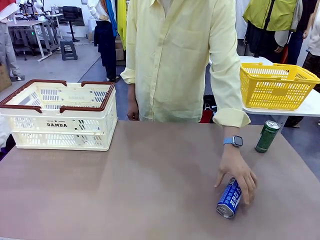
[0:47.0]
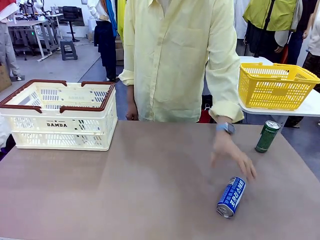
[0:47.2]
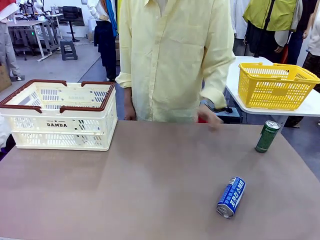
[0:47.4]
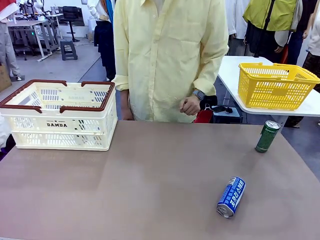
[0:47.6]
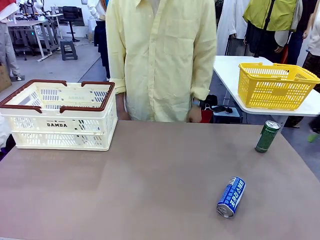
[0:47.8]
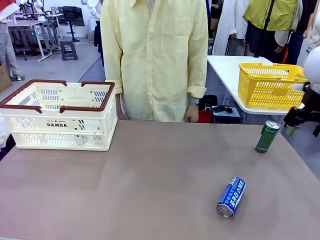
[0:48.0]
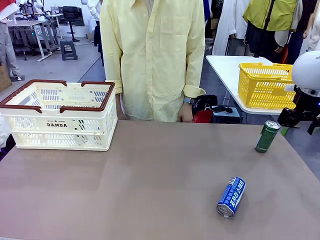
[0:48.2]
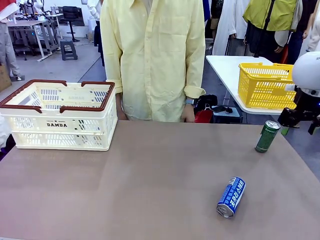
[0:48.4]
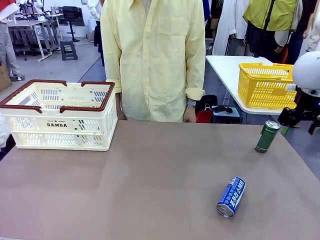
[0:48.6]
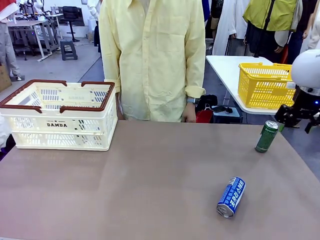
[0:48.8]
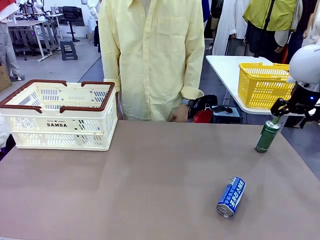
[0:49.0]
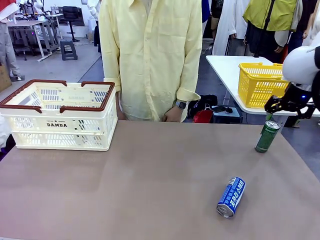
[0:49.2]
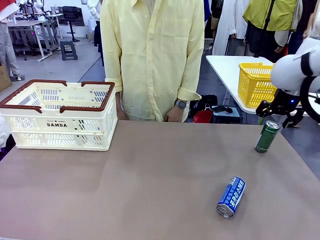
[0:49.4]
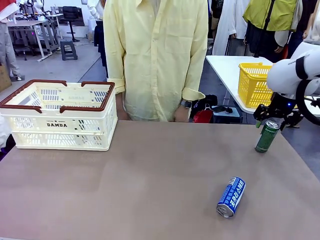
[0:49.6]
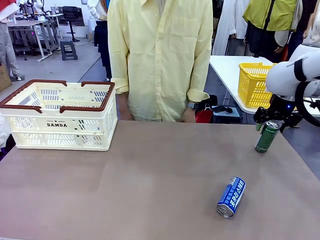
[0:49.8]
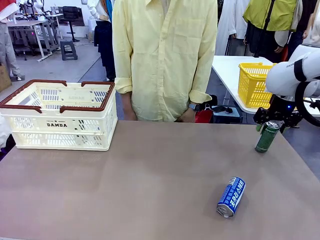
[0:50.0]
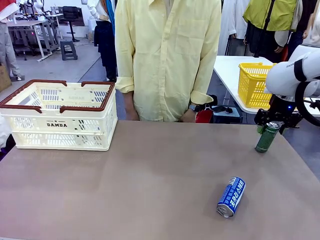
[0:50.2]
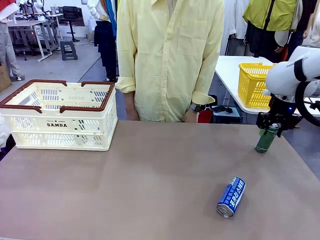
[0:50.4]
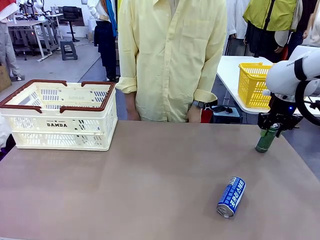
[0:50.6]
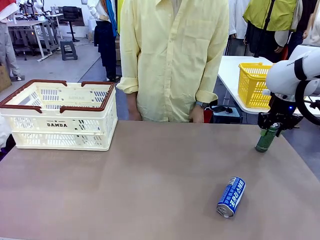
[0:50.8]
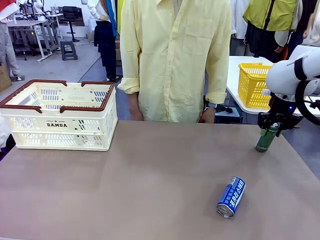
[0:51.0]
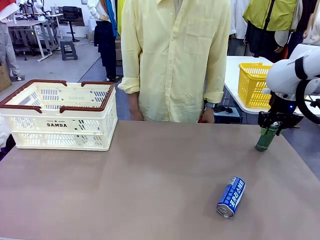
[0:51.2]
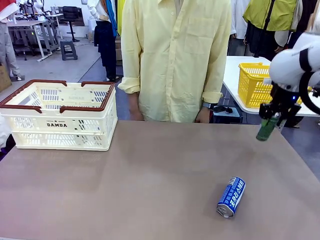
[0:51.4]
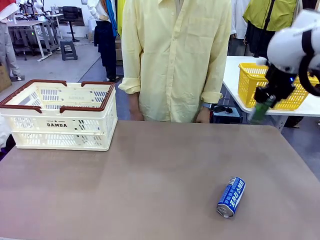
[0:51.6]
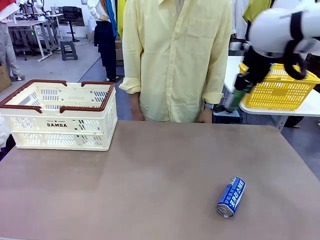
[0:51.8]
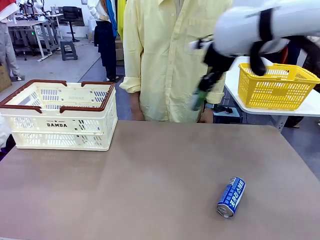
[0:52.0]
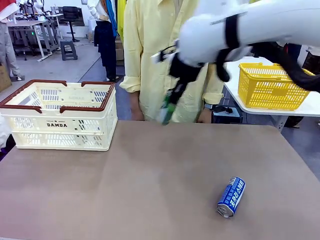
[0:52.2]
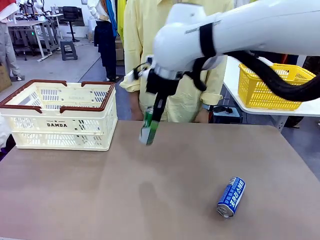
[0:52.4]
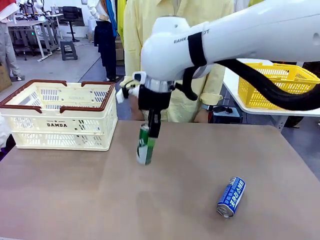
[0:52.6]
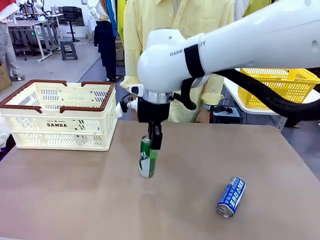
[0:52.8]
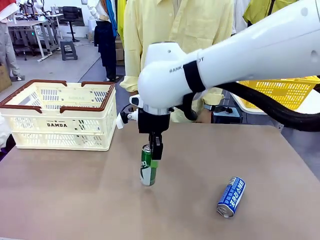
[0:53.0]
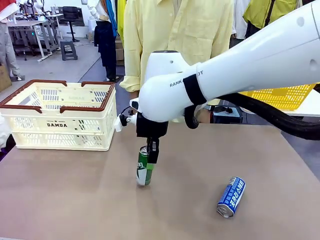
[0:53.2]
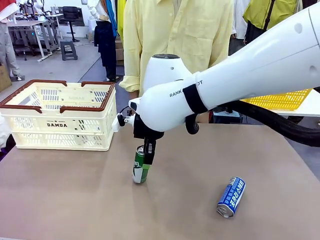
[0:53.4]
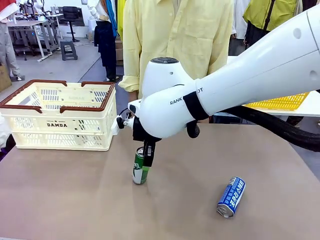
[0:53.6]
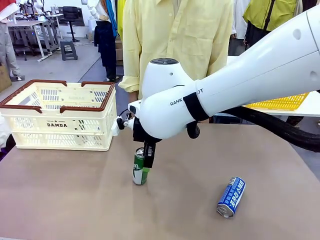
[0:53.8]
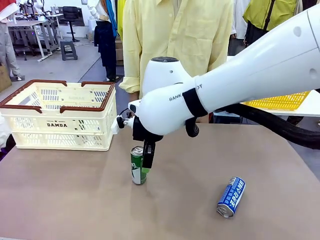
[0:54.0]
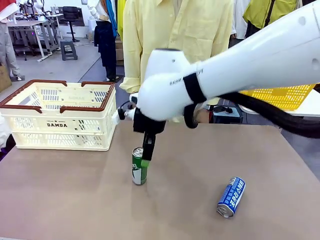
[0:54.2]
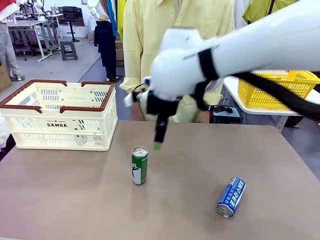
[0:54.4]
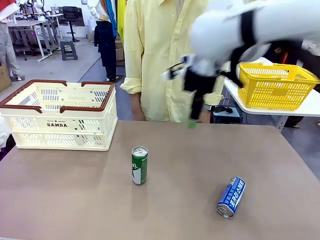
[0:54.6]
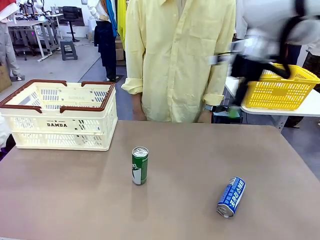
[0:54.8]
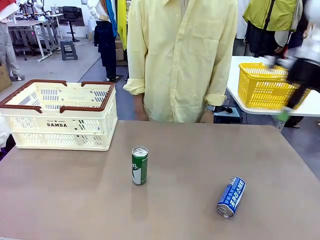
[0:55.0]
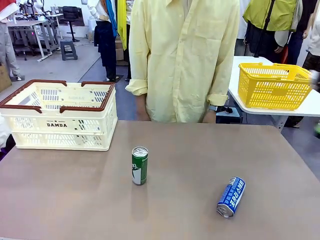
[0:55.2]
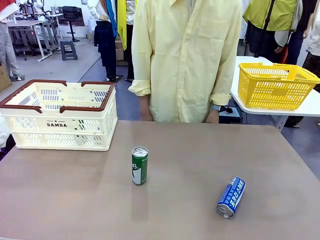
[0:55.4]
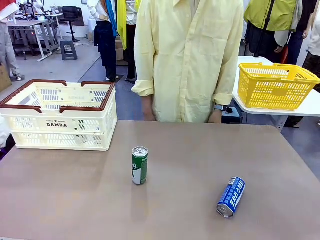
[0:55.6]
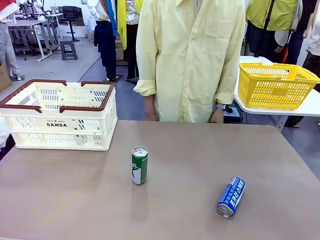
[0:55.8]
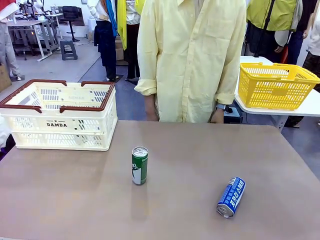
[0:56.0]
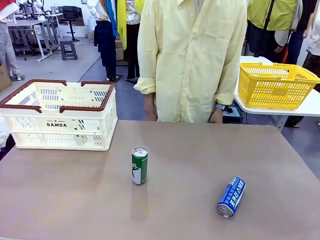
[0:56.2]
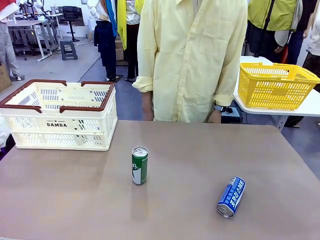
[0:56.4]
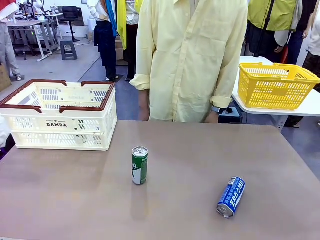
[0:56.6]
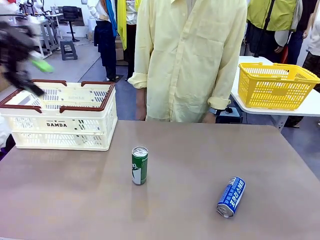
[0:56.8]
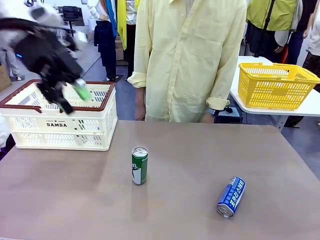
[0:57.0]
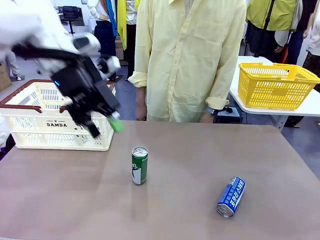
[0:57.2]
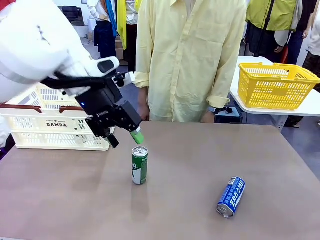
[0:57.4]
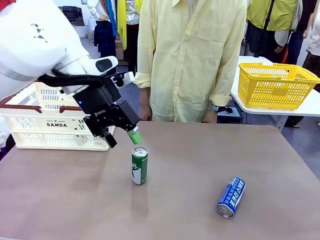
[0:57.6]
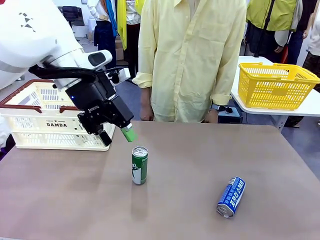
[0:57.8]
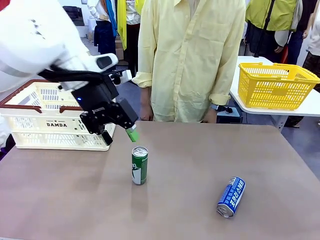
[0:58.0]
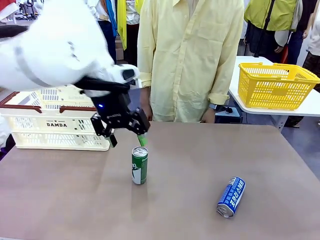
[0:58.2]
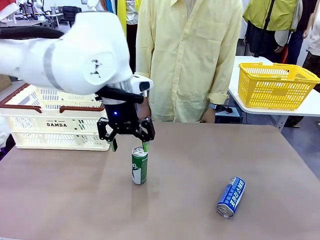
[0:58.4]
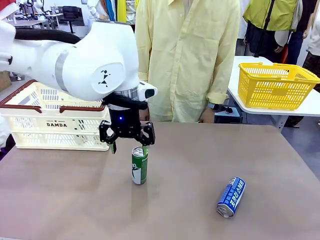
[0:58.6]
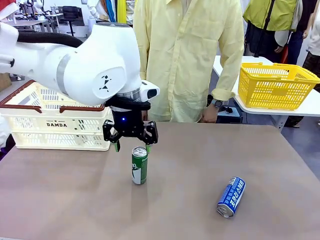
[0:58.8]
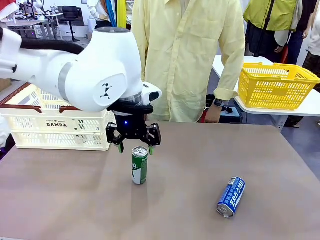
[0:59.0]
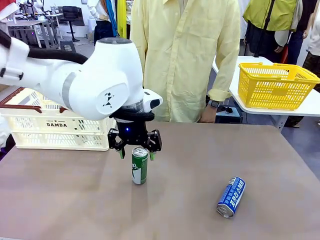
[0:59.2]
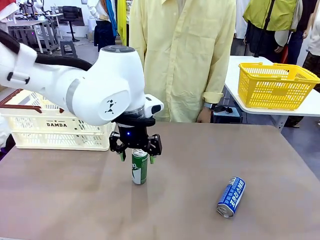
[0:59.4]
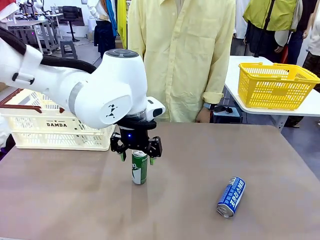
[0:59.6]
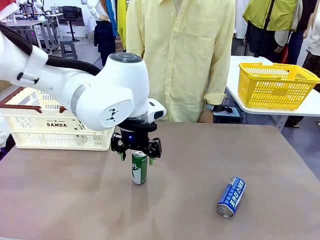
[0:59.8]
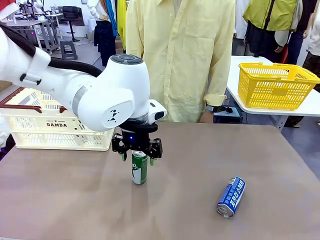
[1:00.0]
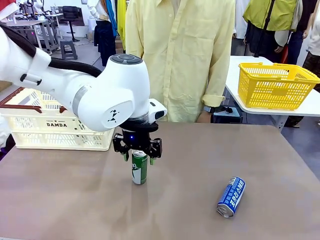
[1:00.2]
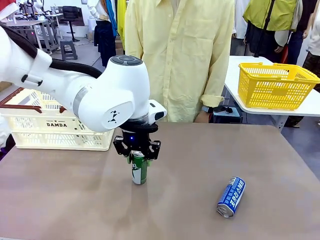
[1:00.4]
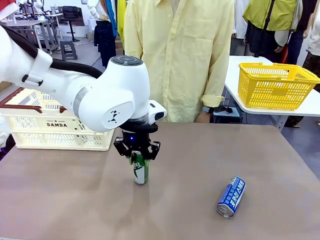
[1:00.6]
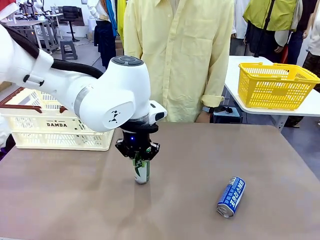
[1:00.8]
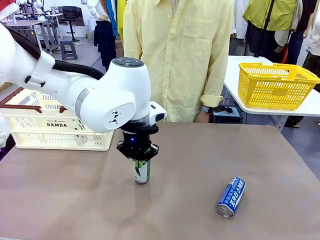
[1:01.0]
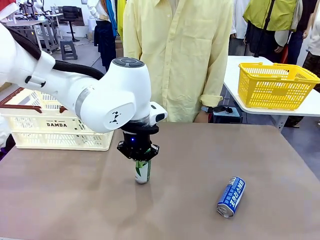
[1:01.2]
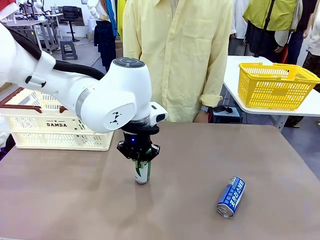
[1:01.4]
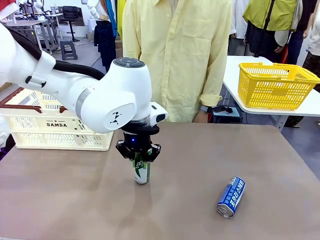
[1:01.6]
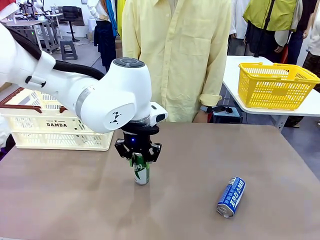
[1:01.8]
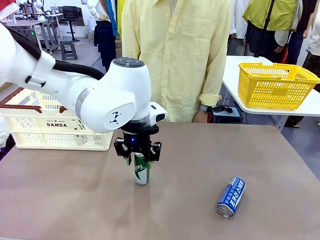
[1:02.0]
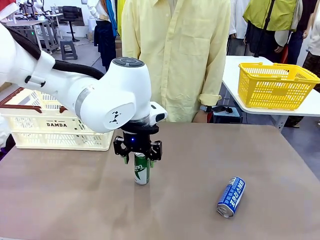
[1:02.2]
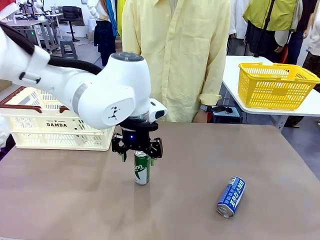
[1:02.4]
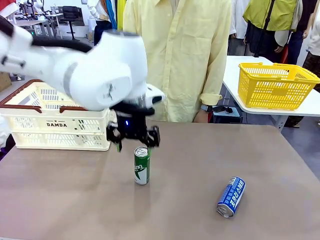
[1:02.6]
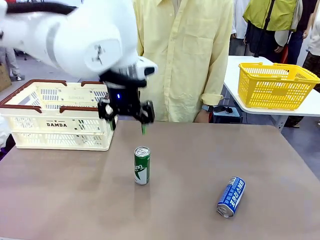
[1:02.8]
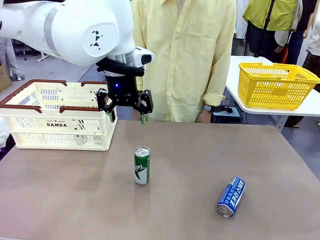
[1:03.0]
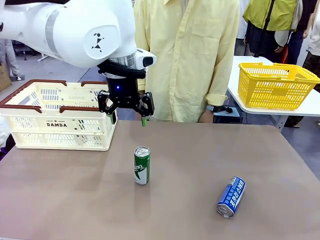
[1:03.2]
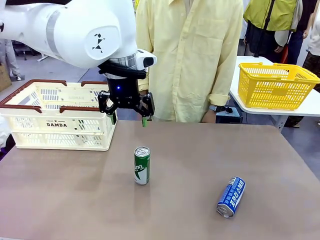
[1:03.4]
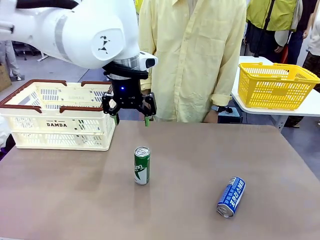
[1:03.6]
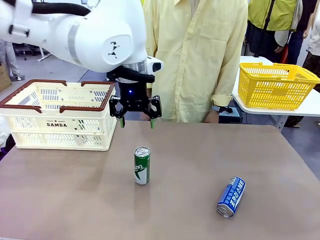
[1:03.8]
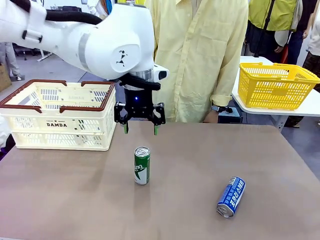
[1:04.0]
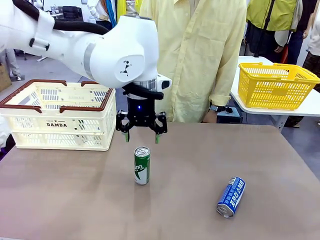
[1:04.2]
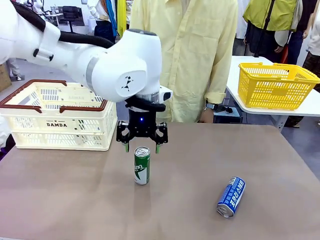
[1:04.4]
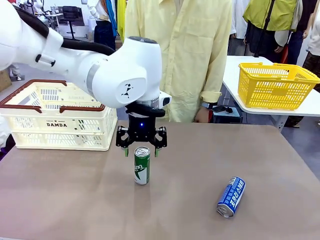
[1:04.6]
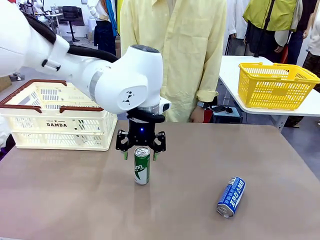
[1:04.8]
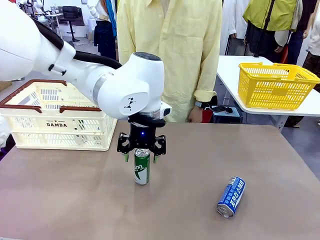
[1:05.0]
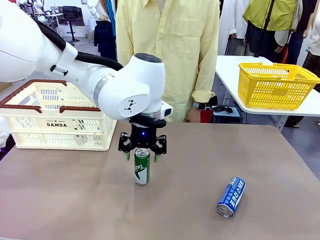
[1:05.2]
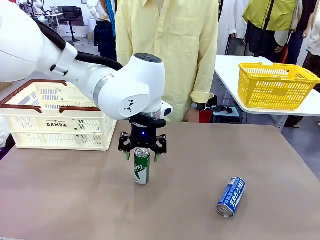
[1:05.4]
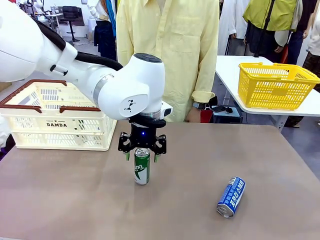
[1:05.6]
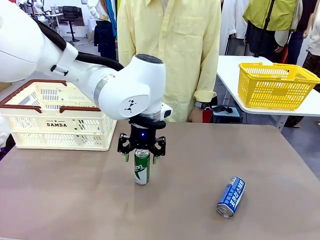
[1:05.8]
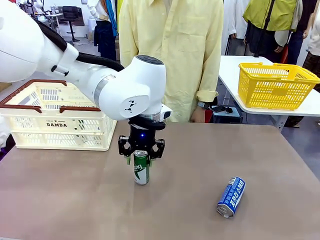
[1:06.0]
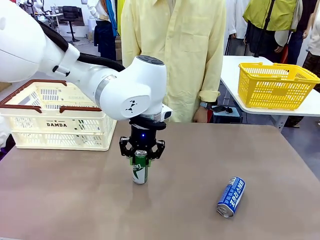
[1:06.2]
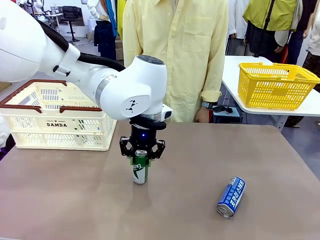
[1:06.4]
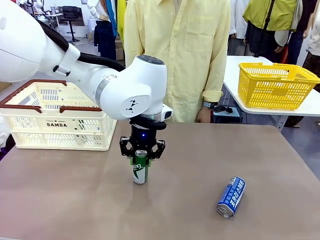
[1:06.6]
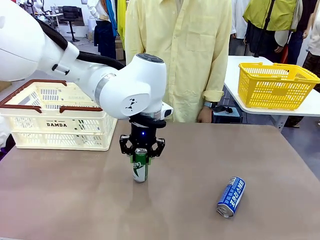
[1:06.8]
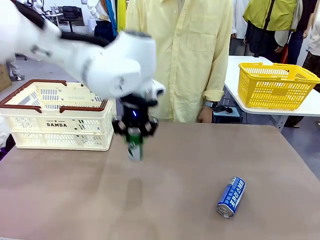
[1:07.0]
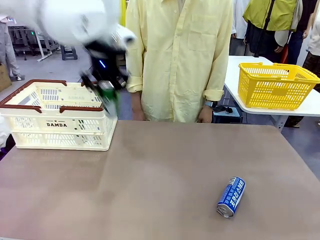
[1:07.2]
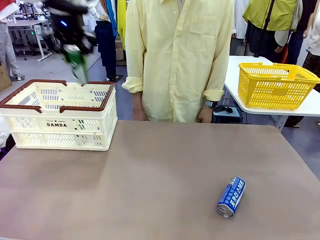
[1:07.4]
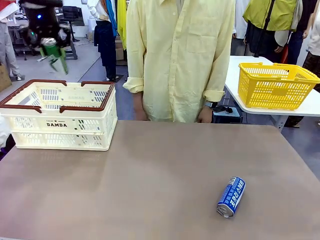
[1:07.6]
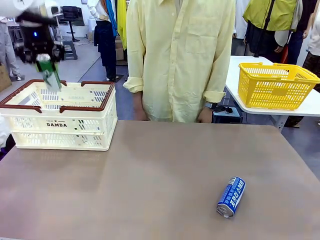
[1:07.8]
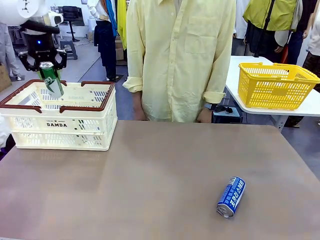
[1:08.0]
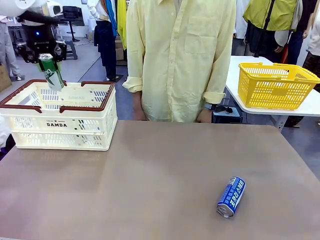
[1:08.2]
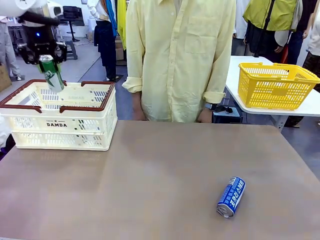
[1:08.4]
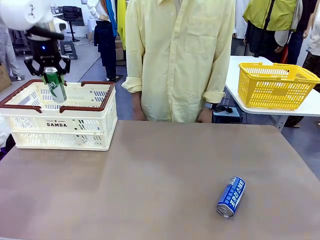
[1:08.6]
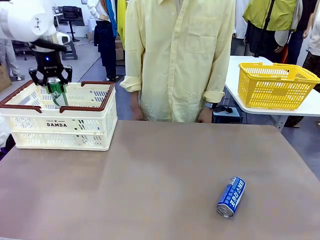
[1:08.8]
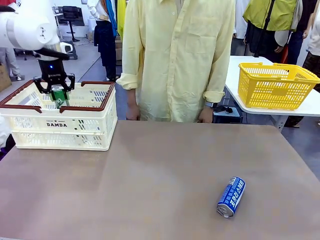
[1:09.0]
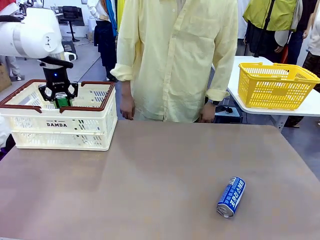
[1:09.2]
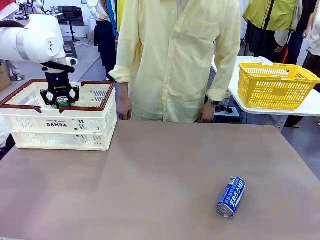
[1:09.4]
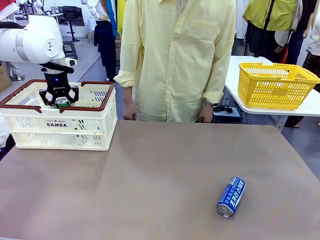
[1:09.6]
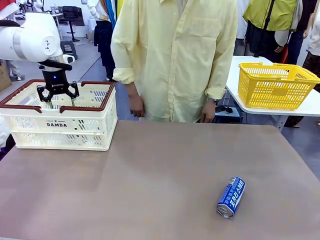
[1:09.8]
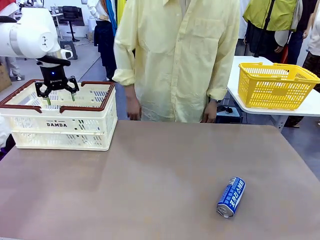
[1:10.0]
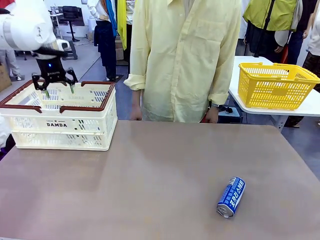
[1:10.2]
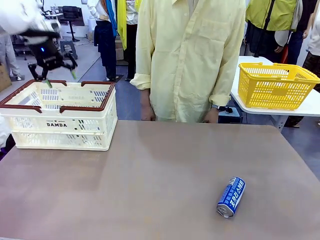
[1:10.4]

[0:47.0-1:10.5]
Task: Place the drinks into the Shopping basket.
Robot: Pick up one drink and place it into the Shopping basket.
